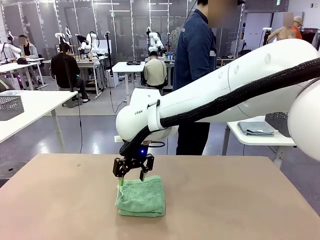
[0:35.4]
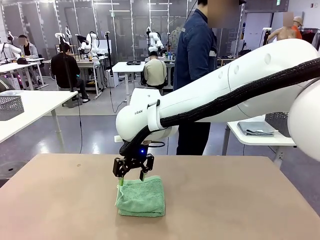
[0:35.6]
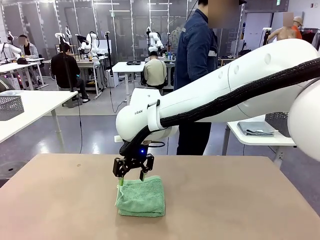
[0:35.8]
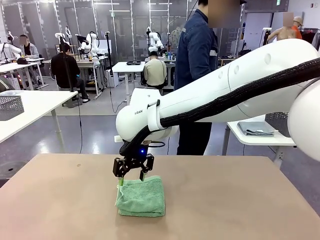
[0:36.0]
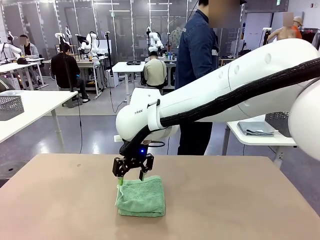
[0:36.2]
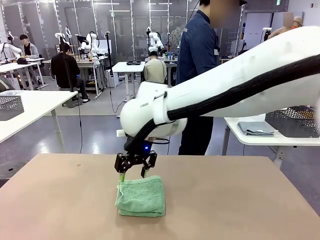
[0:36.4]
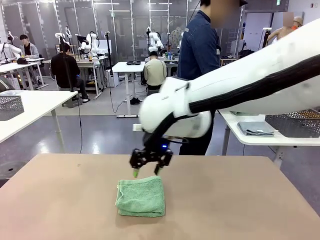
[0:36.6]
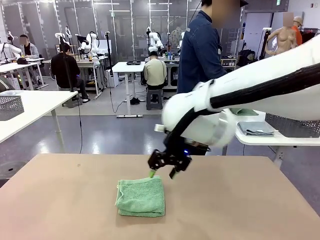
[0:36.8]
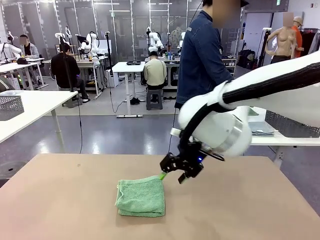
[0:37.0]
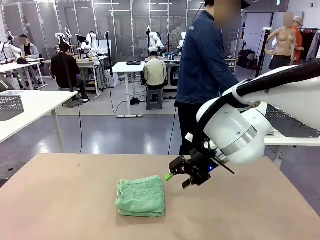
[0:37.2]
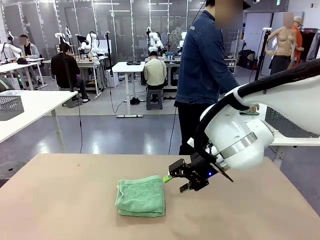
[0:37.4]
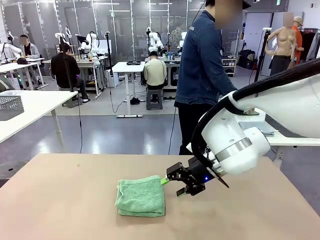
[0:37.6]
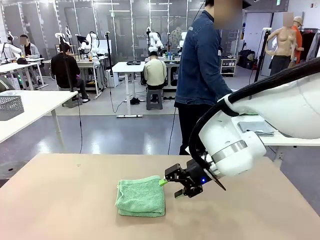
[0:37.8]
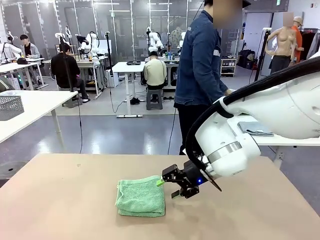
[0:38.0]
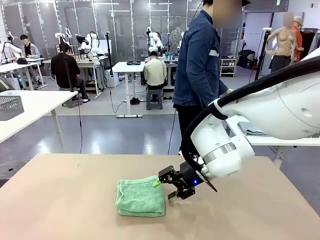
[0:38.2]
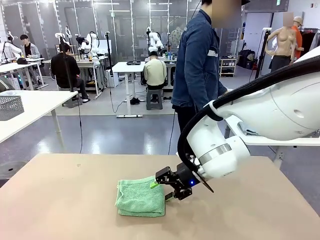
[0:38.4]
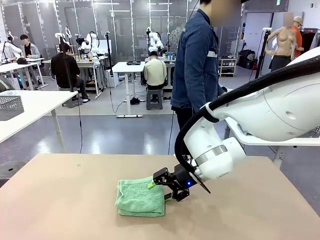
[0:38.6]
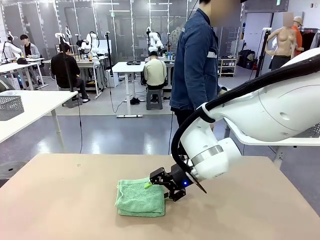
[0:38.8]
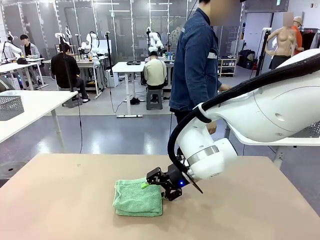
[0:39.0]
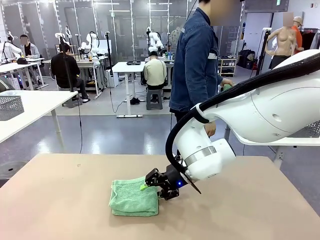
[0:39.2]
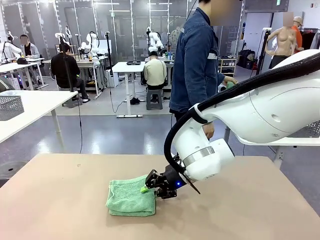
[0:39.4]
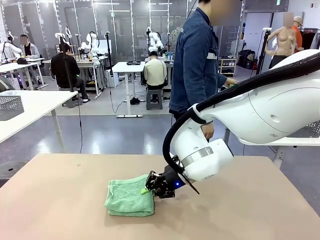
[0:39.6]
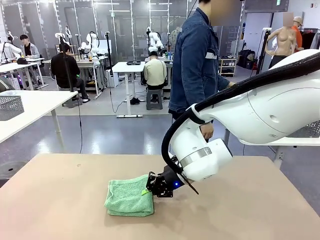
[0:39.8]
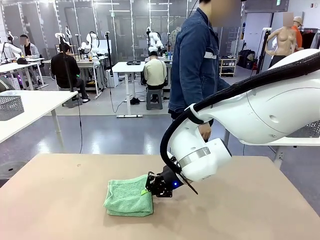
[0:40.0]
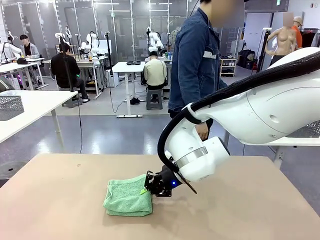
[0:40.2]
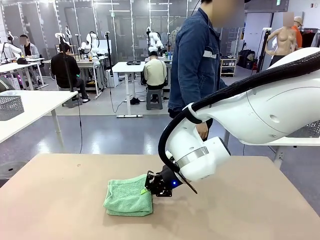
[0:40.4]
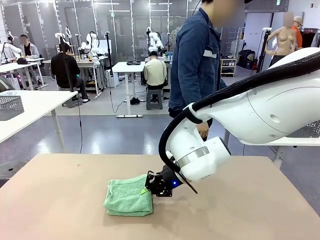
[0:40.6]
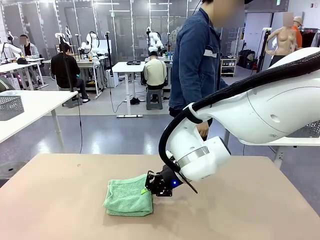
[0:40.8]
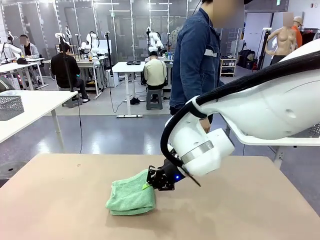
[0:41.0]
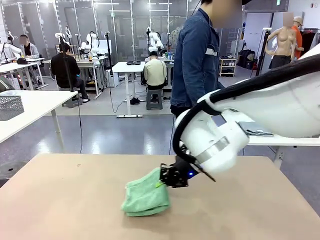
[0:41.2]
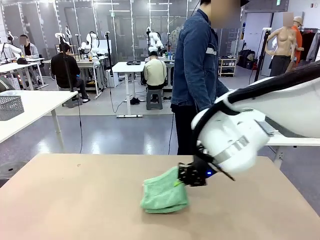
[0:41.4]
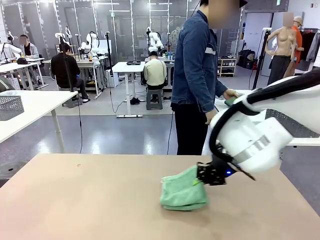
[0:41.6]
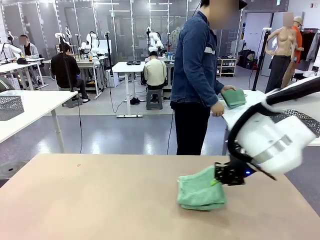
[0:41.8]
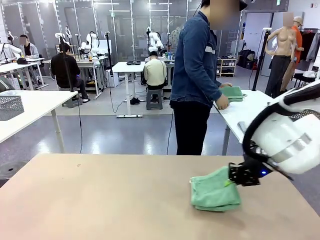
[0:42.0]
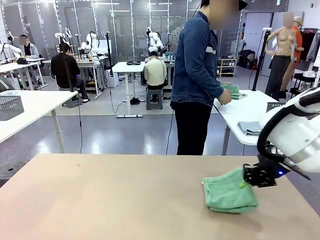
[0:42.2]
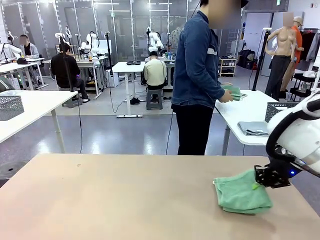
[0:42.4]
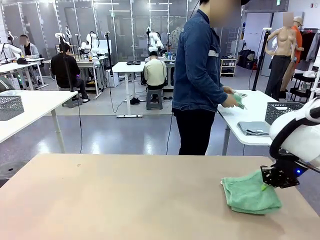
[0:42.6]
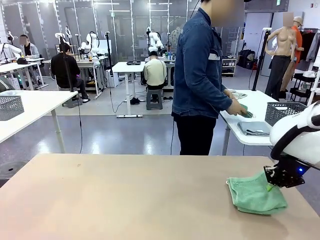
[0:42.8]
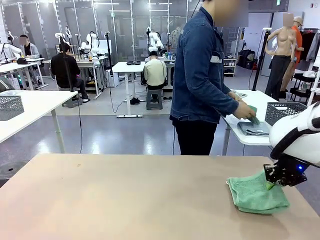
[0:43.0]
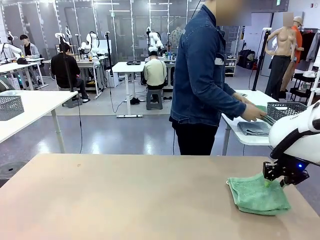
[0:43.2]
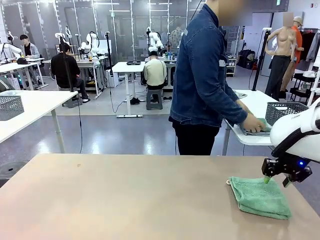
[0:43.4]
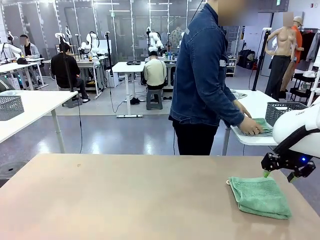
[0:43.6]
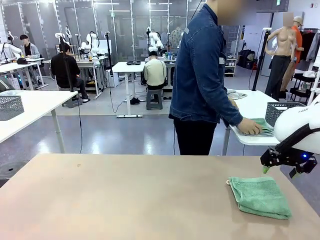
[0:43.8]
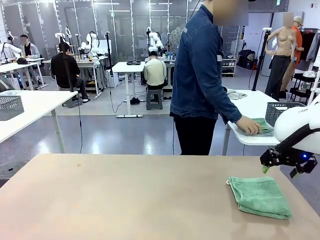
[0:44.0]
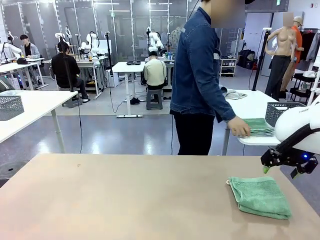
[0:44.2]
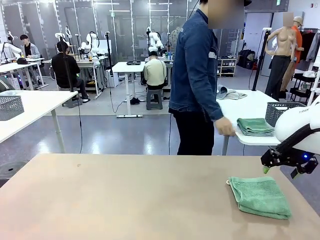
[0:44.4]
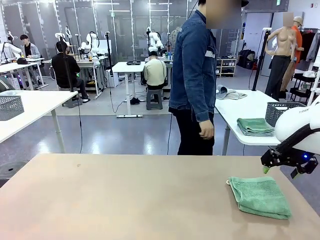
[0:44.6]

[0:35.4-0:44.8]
Task: Fold the towels and place them in the basket.
Robot: Place the folded Towel with hook on the right side of the table.
Person: Pick up one towel from the left side of the human table, fold it in half twice, and stack it on the right side of the table.

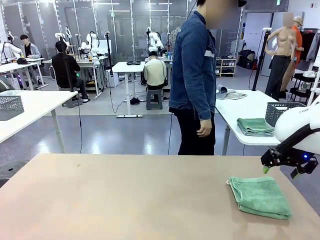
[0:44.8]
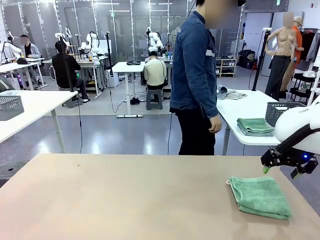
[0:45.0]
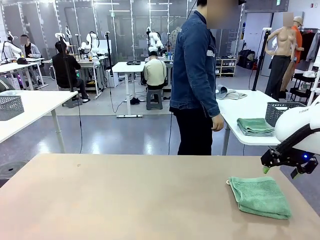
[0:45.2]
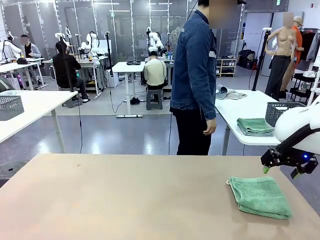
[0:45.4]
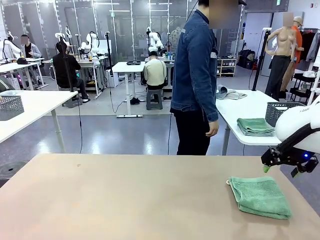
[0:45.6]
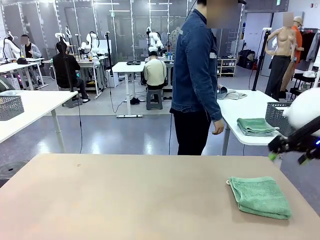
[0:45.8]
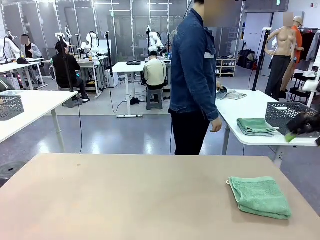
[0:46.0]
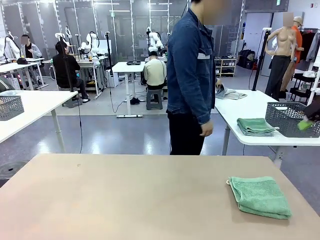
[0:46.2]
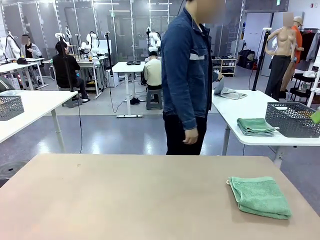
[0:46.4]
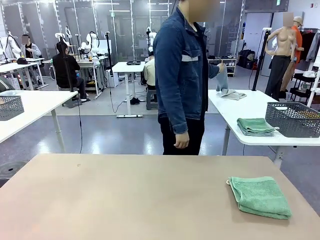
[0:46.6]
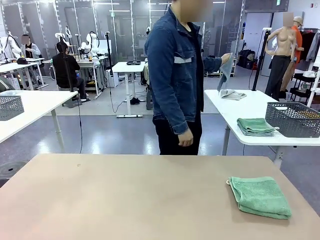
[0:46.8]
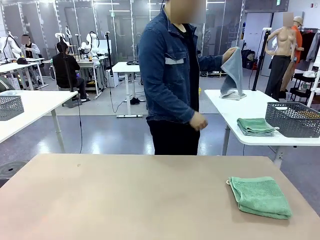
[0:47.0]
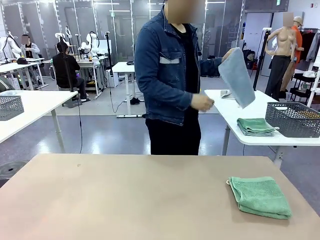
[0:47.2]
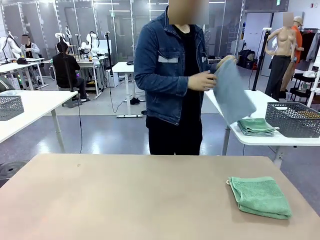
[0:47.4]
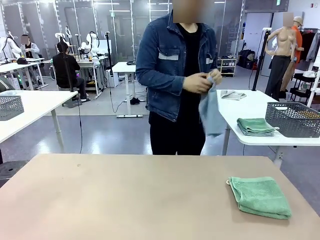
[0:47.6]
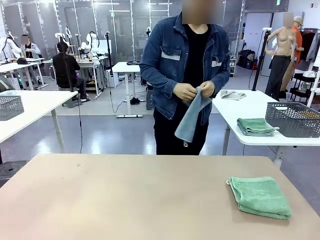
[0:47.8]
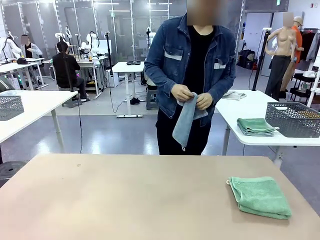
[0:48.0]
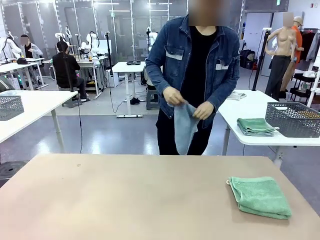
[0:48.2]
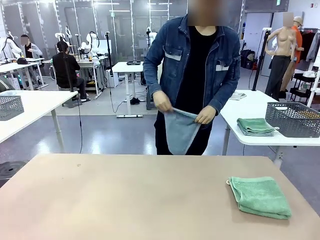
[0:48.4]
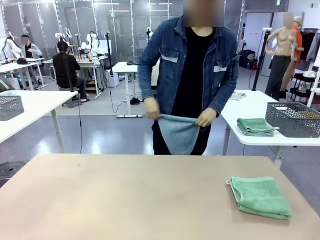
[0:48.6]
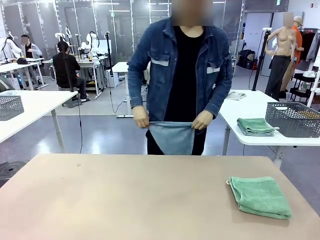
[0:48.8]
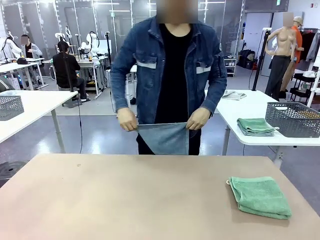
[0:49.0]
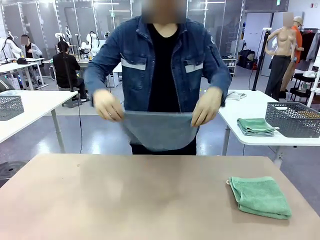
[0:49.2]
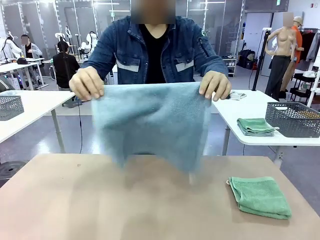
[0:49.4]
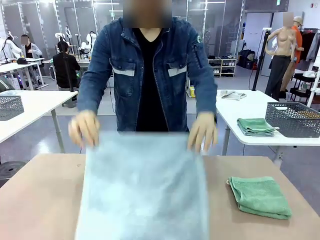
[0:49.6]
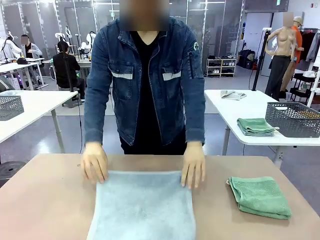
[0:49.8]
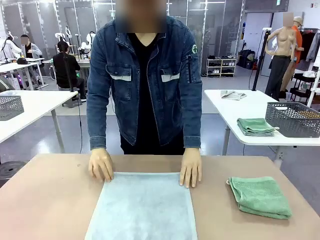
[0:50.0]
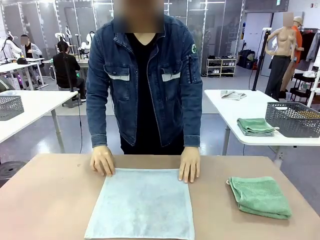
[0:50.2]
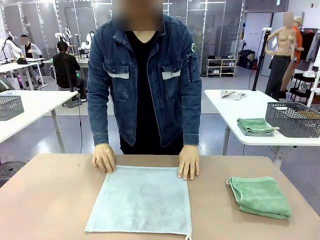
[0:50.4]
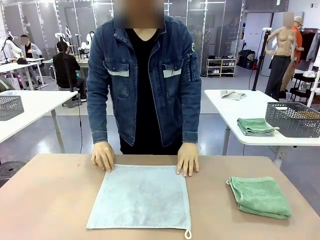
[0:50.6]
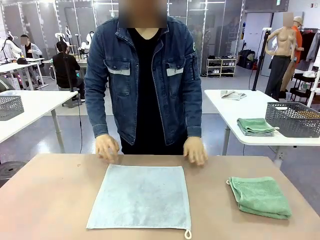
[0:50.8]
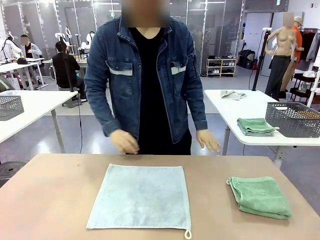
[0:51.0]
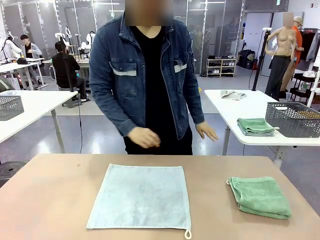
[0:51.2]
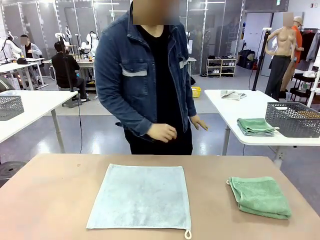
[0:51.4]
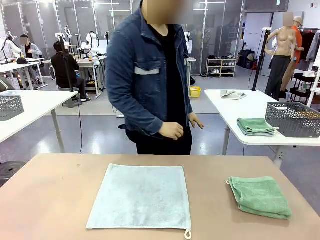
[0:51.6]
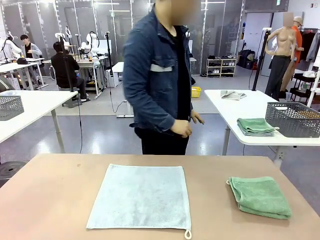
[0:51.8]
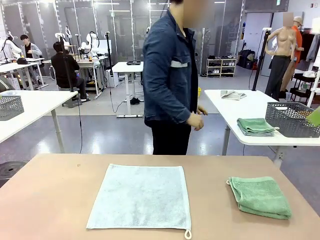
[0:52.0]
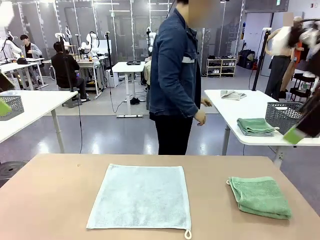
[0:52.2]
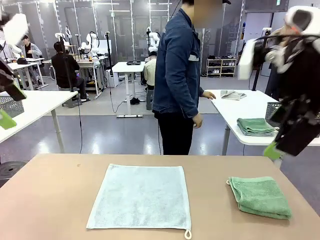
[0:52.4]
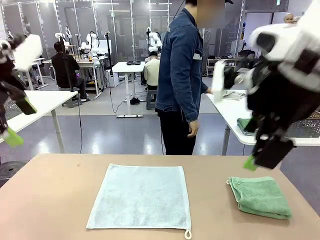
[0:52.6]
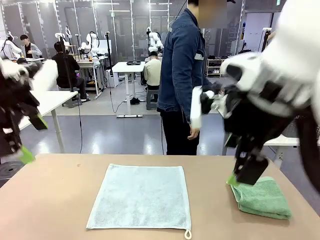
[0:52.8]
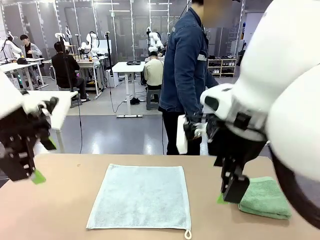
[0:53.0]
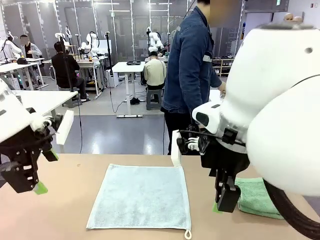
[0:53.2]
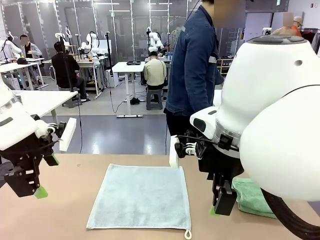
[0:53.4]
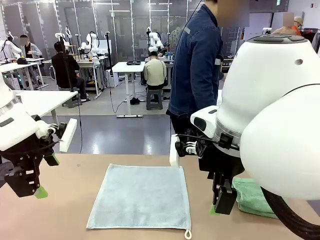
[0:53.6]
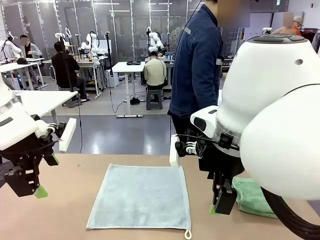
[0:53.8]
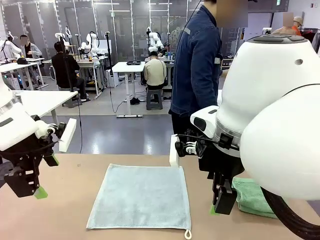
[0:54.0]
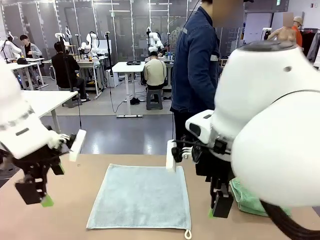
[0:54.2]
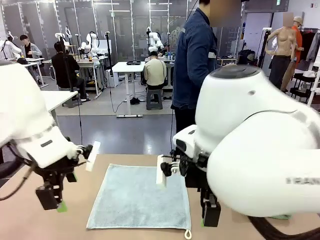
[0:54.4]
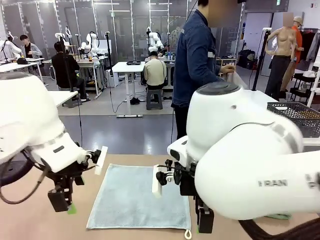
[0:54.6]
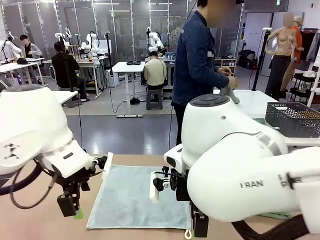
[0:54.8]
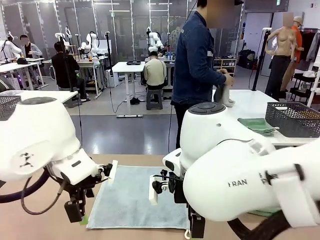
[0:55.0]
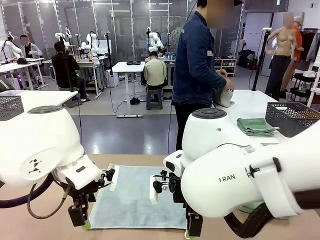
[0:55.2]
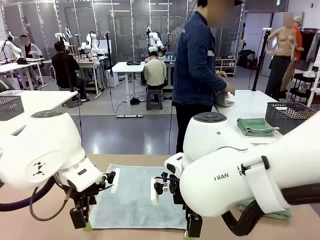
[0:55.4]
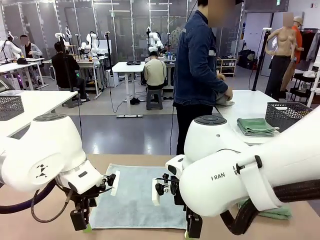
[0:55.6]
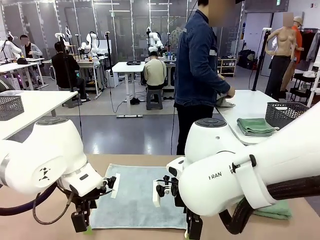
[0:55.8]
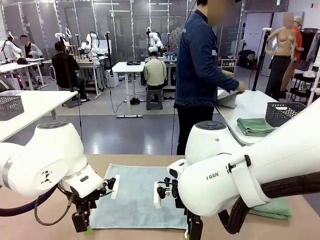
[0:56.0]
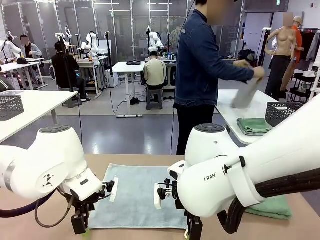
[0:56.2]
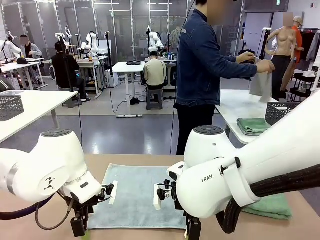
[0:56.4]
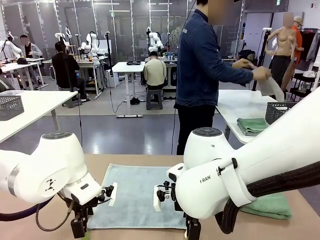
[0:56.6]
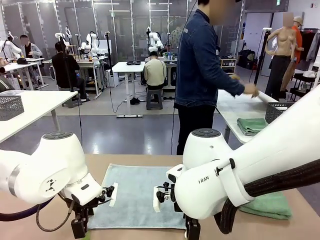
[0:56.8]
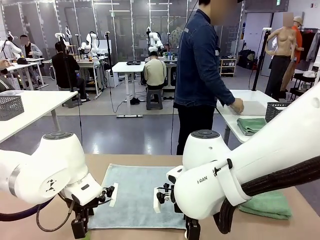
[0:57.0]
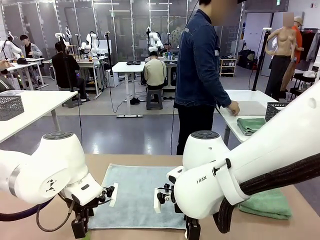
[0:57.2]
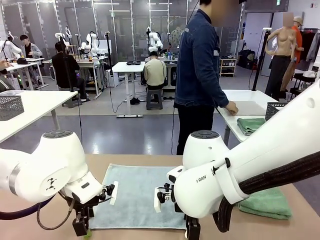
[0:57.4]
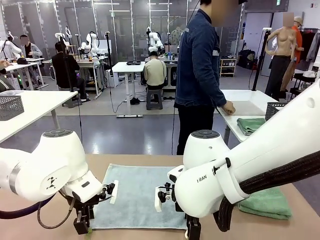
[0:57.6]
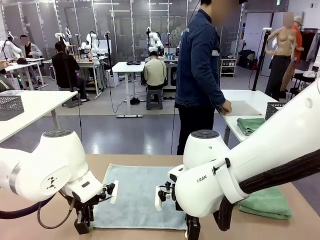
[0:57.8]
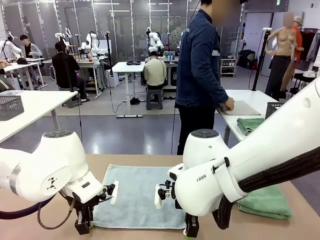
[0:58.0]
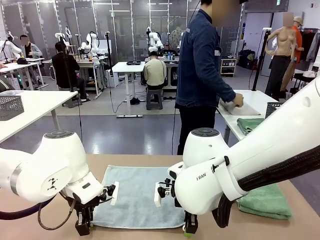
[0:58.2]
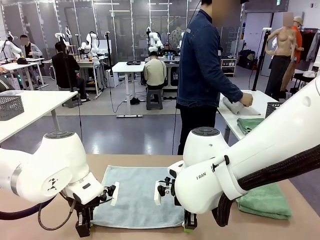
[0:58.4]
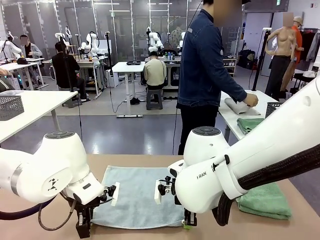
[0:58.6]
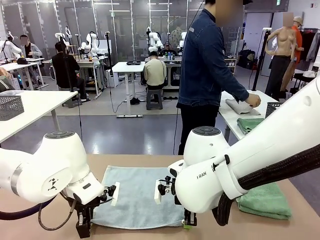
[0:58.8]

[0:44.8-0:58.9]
Robot: When a person lays out a Towel with hook on the table, fold it in half twice.
Person: Pick up one towel from the left side of the human table and spread it out at the center of the robot table.
